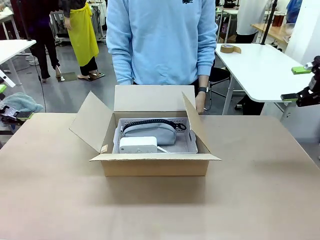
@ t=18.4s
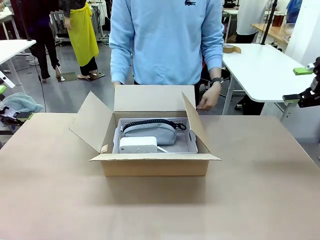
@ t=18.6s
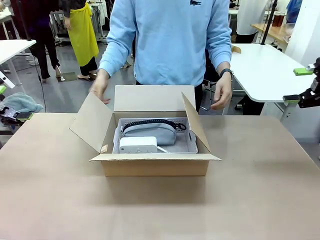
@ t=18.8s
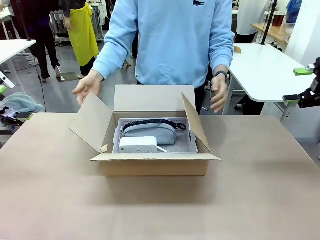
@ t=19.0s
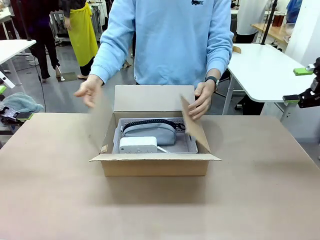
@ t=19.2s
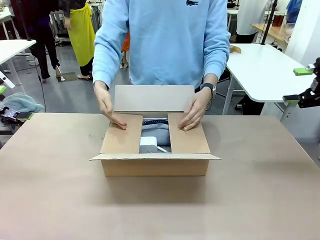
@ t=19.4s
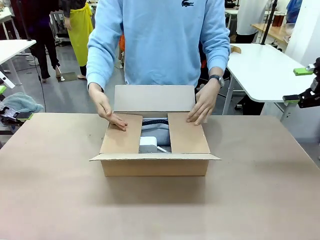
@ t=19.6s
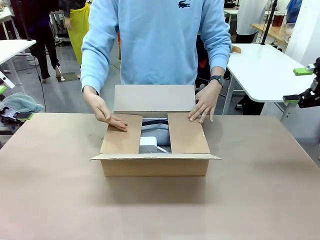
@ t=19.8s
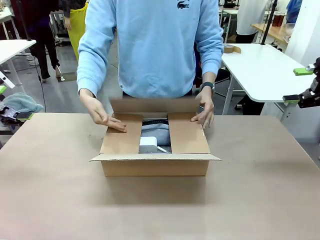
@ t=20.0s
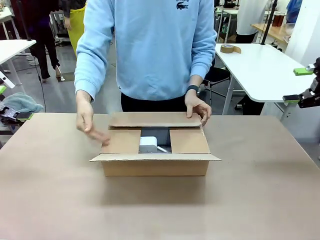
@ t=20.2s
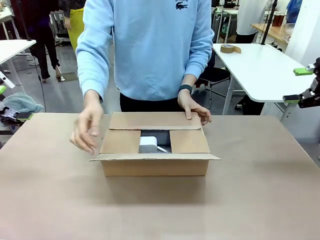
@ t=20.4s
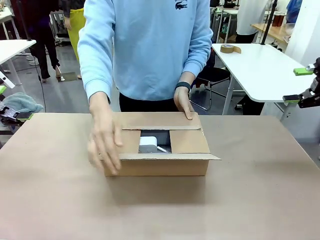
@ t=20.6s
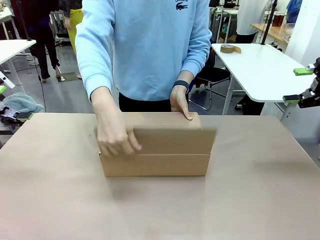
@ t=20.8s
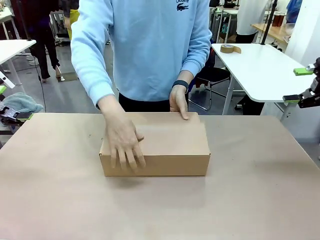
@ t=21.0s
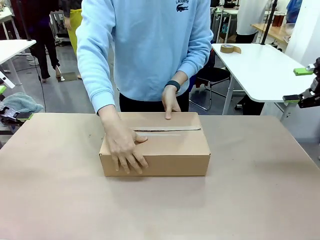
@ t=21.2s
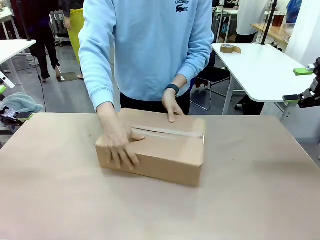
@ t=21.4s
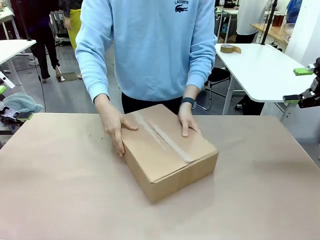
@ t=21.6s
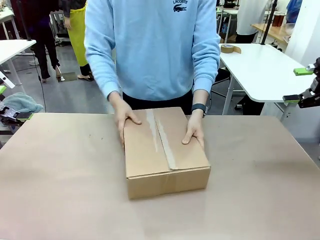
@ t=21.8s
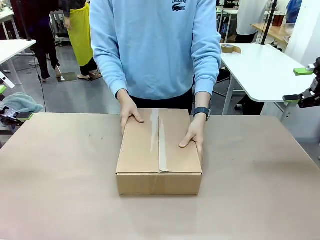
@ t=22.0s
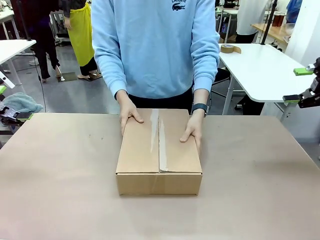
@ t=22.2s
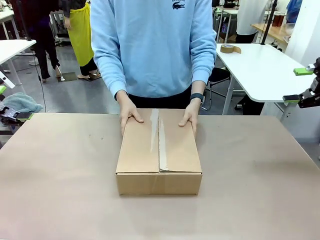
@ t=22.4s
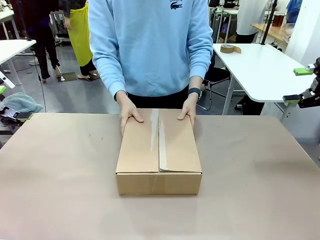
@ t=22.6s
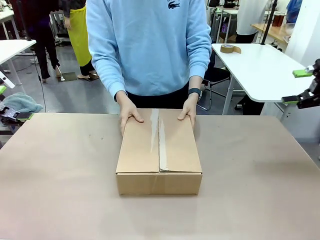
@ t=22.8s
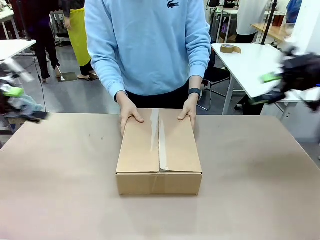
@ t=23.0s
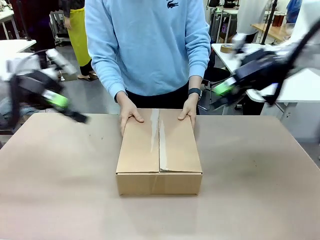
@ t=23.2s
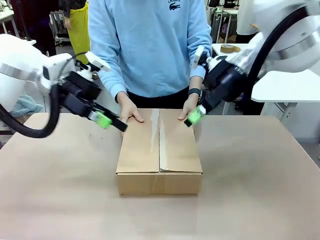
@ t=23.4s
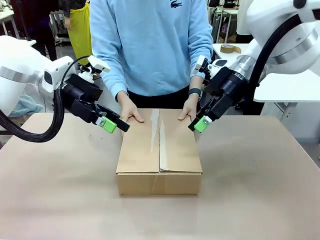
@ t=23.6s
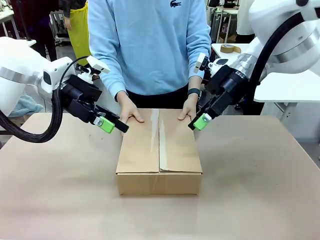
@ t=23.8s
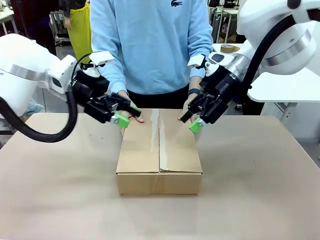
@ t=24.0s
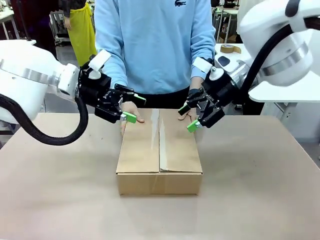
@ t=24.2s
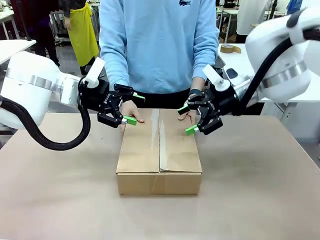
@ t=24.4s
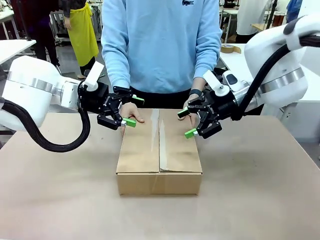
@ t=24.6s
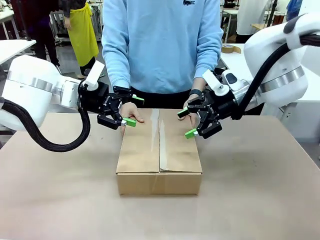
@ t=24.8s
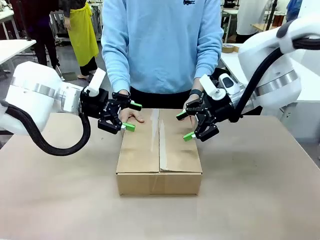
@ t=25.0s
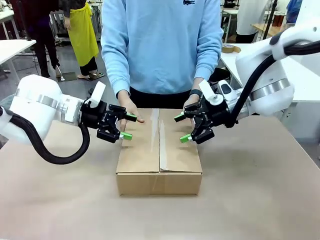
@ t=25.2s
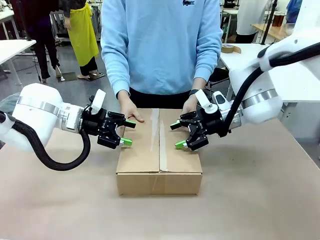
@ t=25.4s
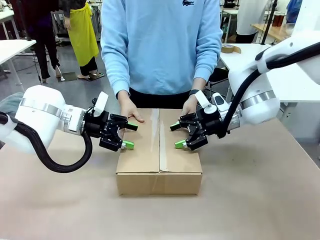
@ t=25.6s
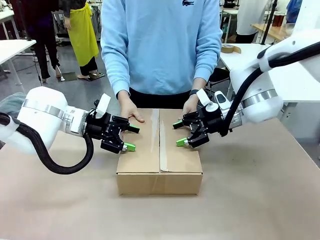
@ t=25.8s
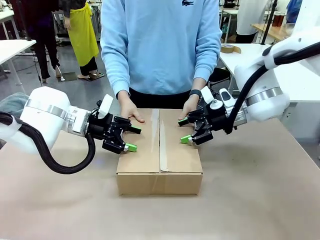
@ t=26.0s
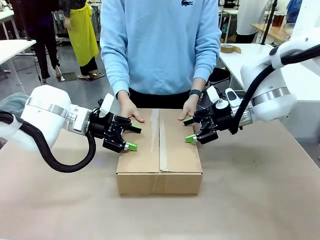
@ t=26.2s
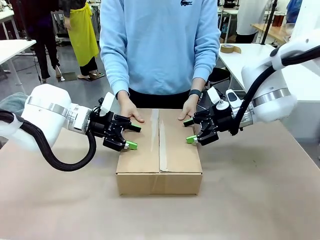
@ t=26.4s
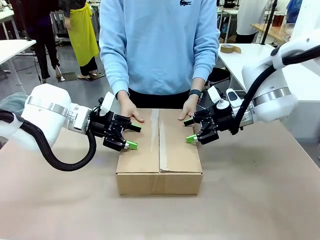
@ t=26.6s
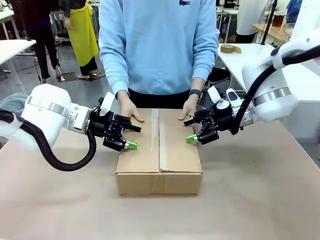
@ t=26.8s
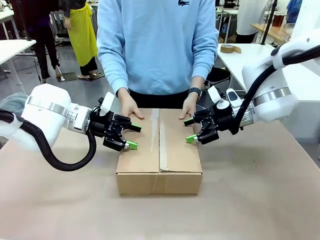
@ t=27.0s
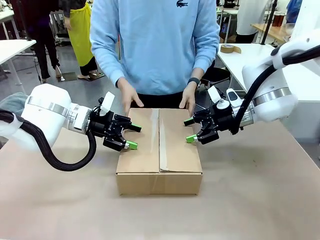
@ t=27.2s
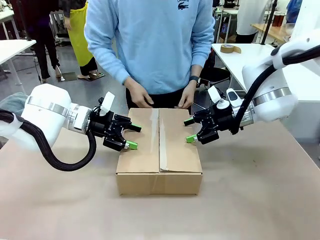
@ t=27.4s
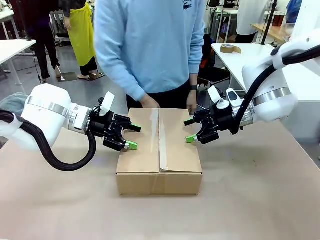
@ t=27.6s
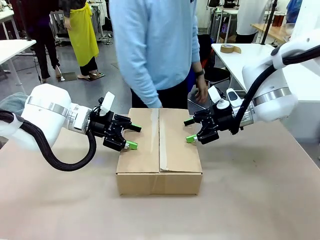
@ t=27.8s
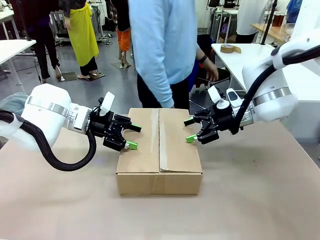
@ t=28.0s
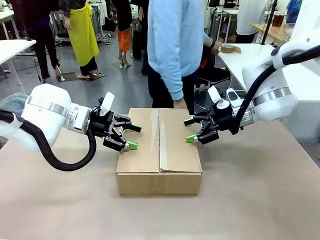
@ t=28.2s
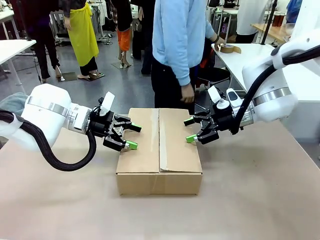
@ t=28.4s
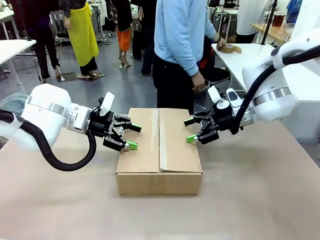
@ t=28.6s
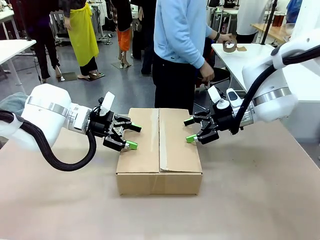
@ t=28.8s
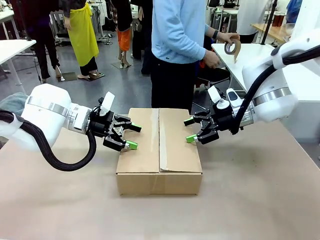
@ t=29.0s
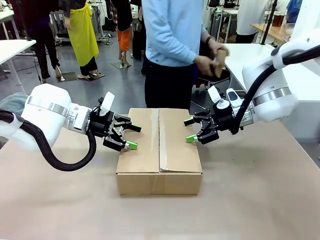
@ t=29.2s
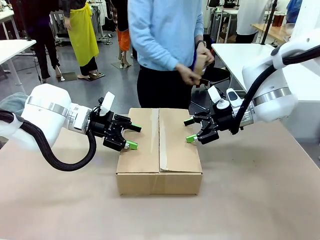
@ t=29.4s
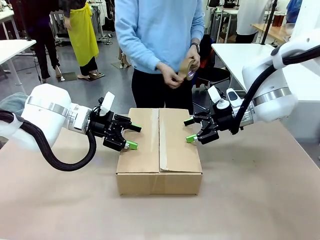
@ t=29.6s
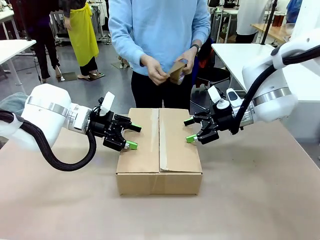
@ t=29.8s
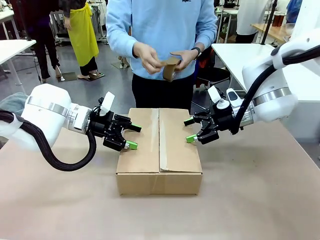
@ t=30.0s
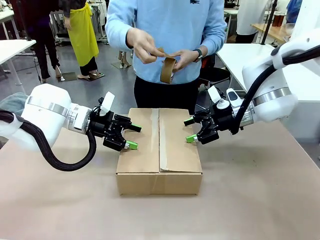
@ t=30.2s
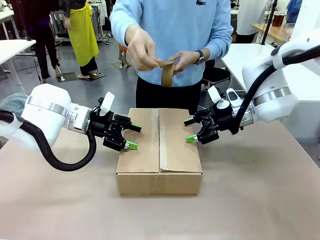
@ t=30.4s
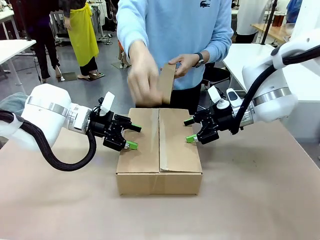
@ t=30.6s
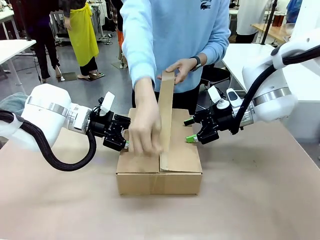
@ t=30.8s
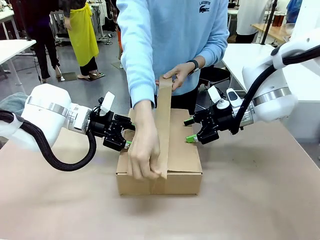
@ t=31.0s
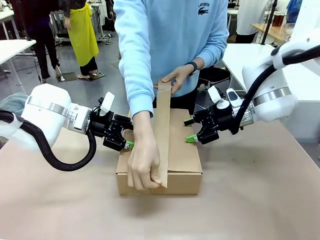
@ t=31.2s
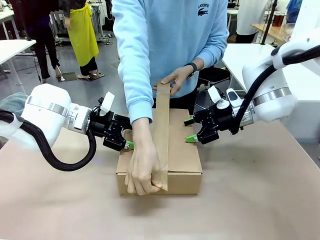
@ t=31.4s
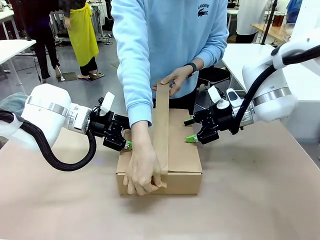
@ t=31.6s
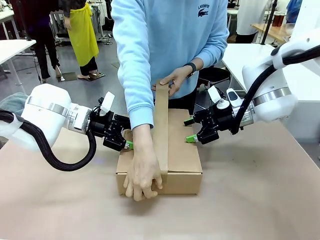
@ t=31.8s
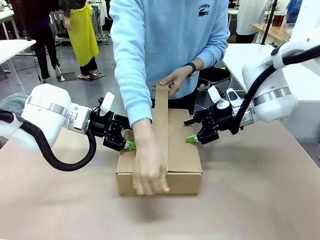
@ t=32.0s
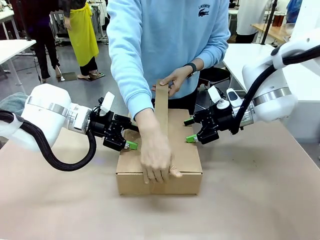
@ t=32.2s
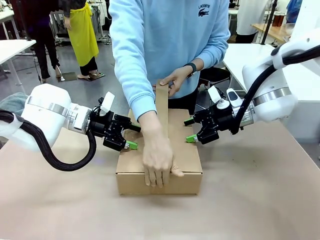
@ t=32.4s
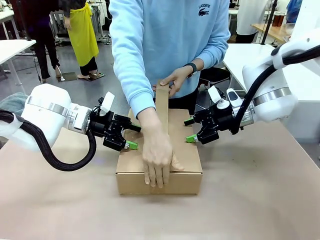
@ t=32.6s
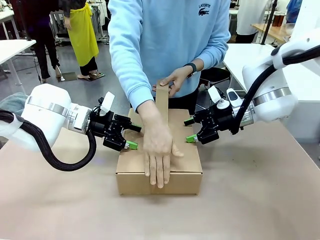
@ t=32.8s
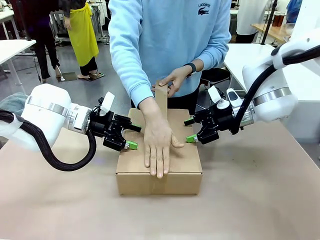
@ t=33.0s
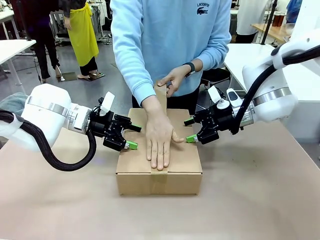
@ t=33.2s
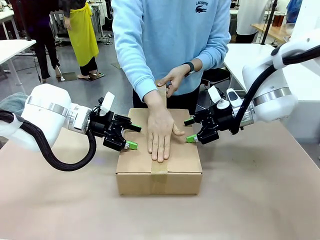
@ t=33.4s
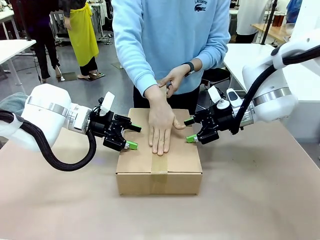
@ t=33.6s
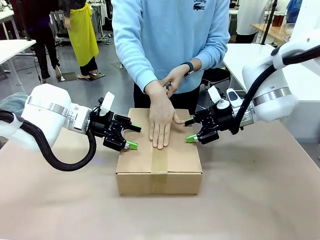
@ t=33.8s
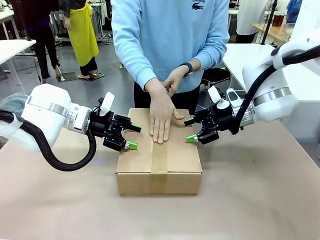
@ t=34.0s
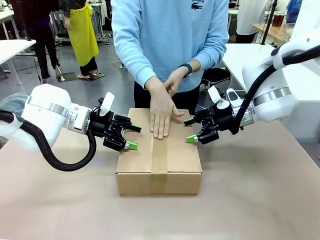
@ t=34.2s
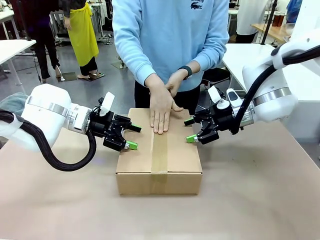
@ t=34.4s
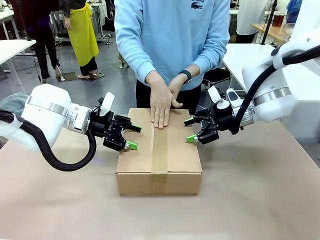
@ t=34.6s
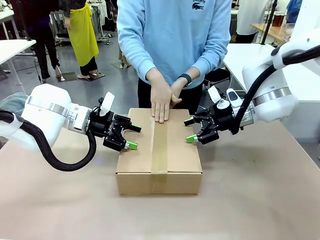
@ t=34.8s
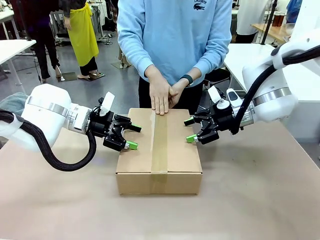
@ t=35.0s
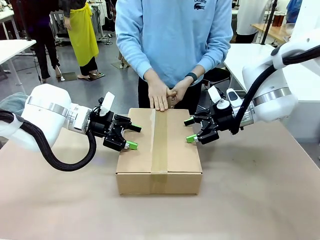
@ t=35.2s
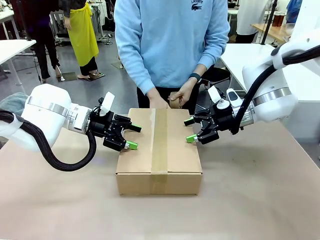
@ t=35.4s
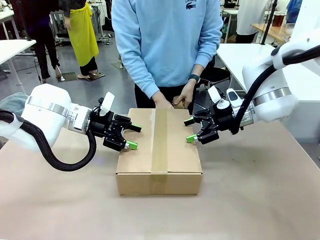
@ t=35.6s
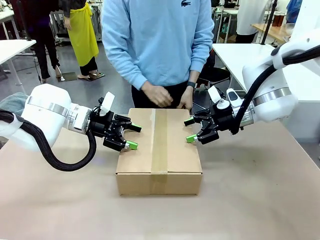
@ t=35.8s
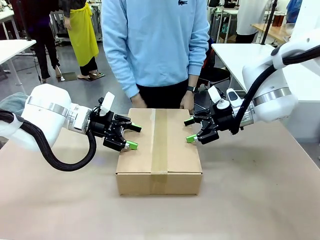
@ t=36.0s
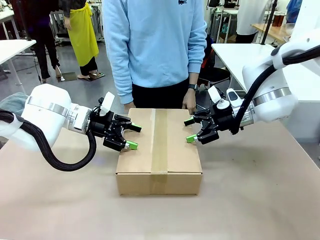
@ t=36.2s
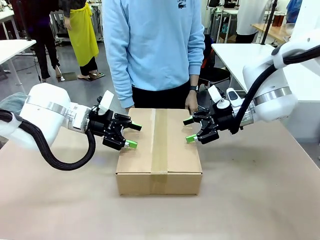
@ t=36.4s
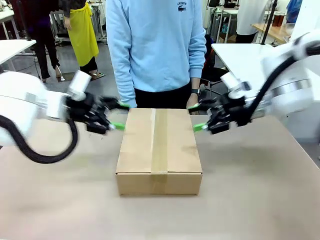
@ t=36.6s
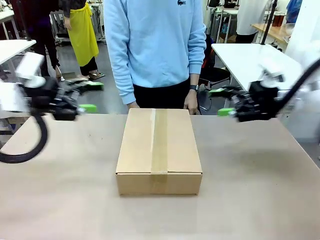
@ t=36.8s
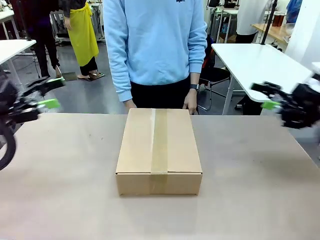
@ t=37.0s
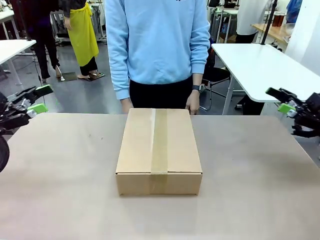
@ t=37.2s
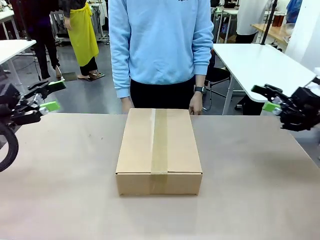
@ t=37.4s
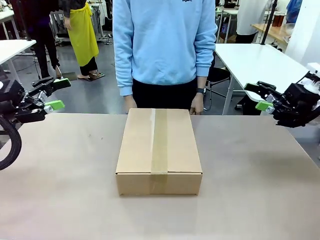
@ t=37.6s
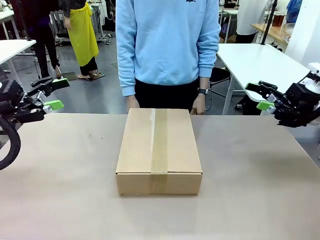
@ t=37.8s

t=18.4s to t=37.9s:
Task: Pack the gift set into the box.
Robot: Press and hold the closed box until the human finishes sealing it.
Person: The human closes the box and rotates the box by 90 degrees. The human picks up the paper tape from the human table and packs the box.
